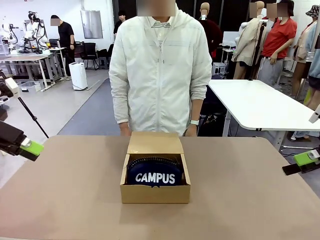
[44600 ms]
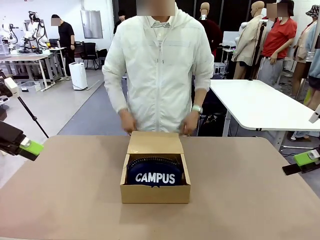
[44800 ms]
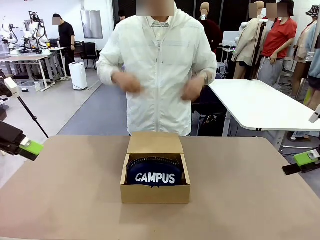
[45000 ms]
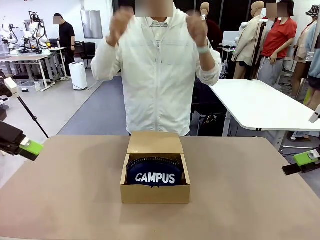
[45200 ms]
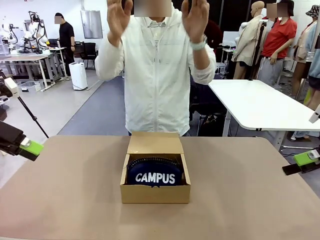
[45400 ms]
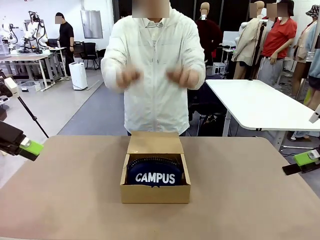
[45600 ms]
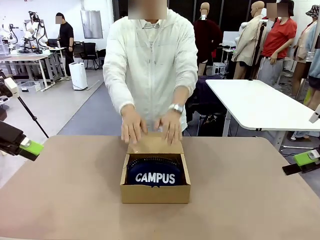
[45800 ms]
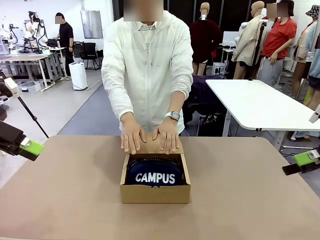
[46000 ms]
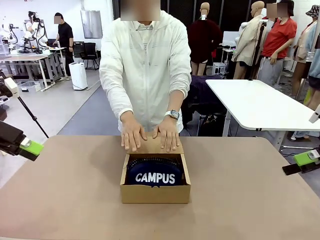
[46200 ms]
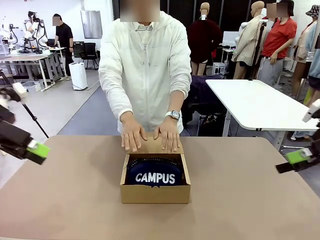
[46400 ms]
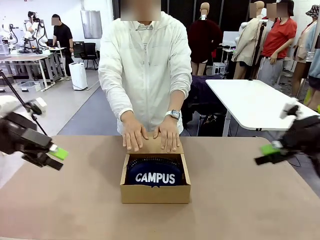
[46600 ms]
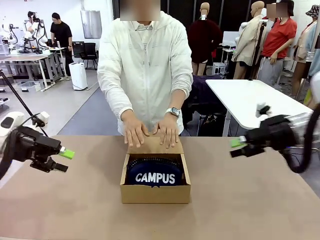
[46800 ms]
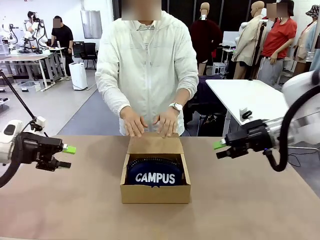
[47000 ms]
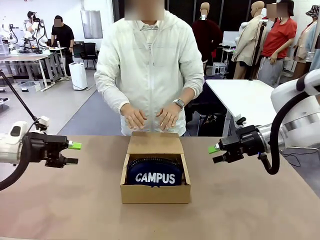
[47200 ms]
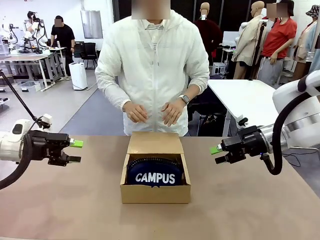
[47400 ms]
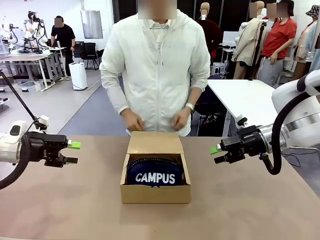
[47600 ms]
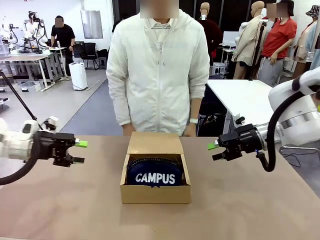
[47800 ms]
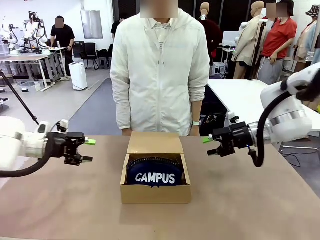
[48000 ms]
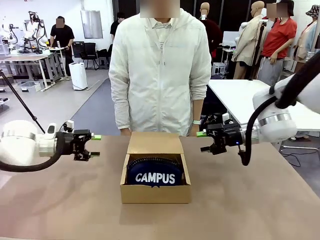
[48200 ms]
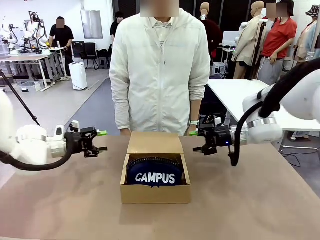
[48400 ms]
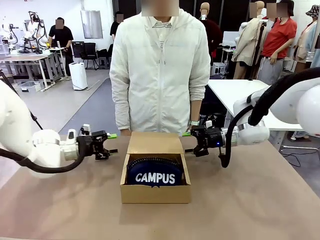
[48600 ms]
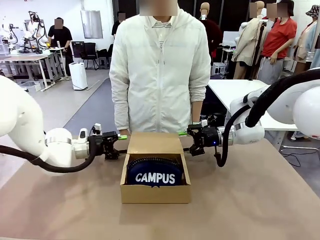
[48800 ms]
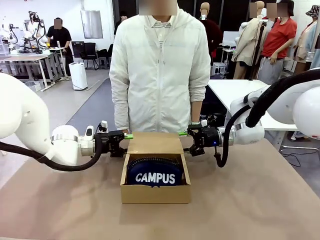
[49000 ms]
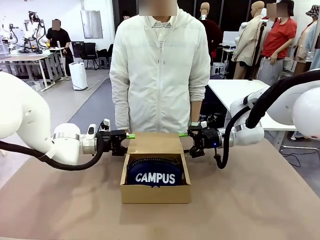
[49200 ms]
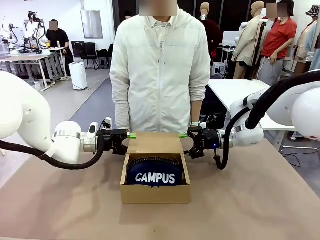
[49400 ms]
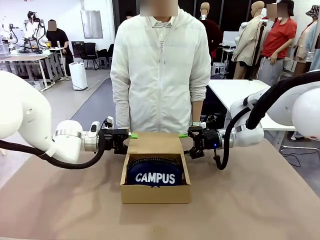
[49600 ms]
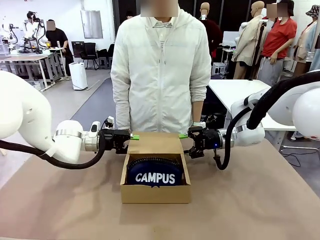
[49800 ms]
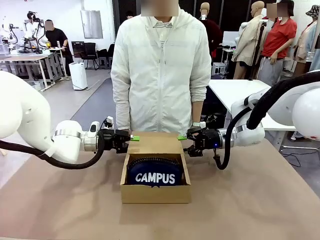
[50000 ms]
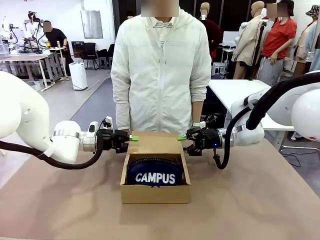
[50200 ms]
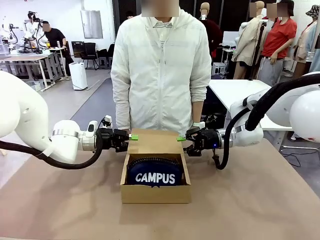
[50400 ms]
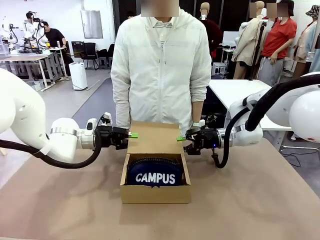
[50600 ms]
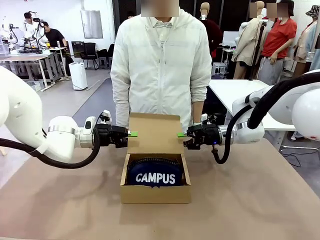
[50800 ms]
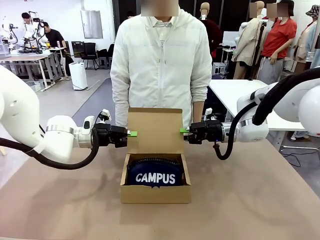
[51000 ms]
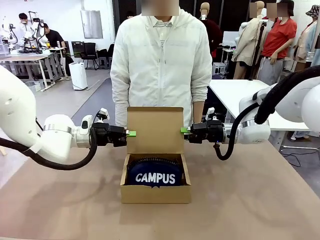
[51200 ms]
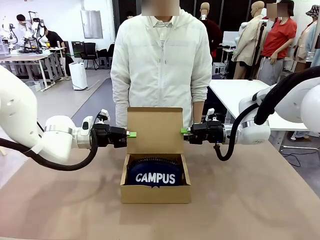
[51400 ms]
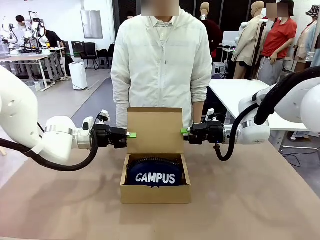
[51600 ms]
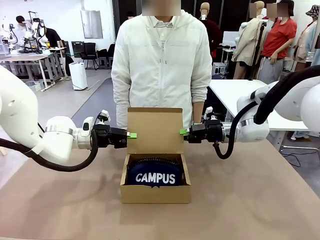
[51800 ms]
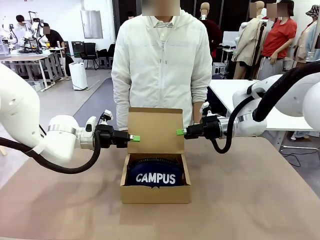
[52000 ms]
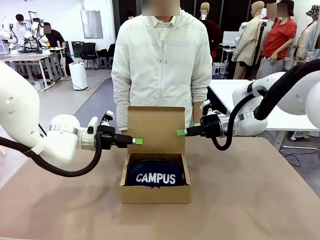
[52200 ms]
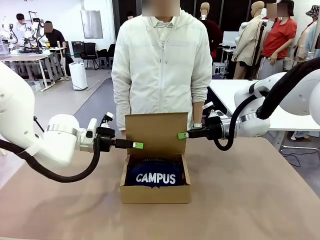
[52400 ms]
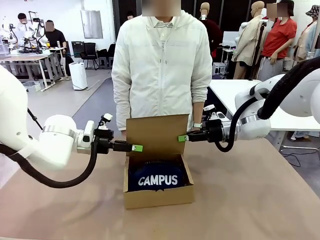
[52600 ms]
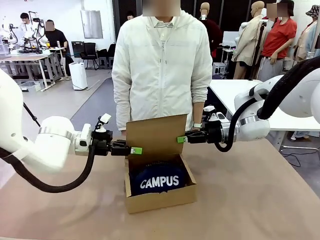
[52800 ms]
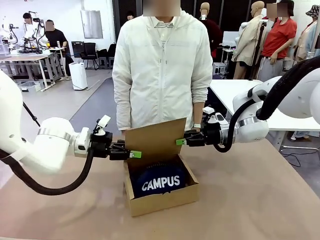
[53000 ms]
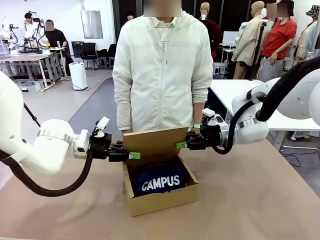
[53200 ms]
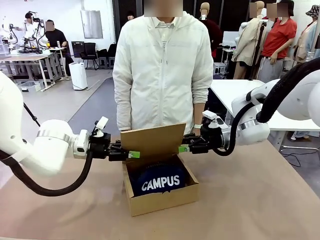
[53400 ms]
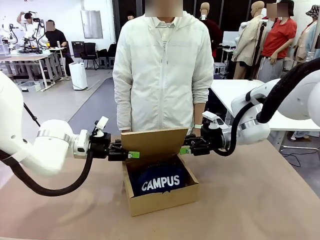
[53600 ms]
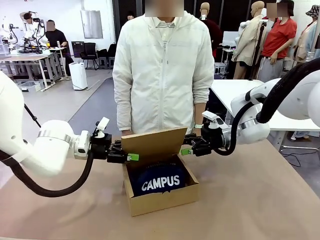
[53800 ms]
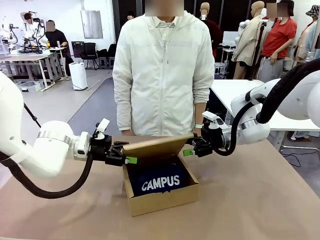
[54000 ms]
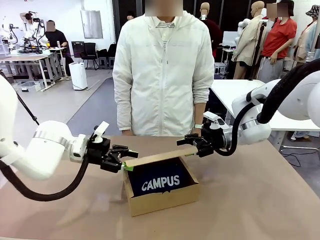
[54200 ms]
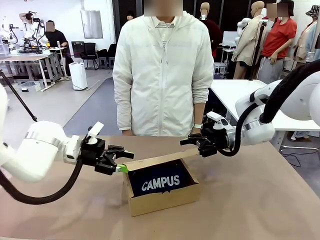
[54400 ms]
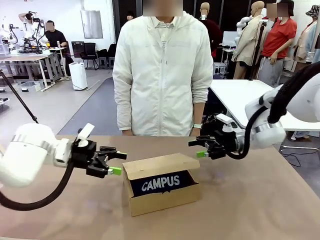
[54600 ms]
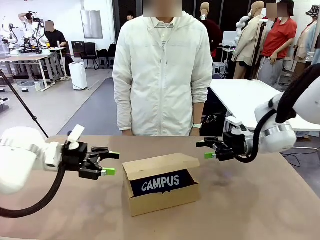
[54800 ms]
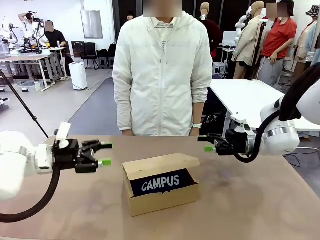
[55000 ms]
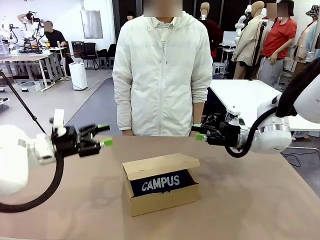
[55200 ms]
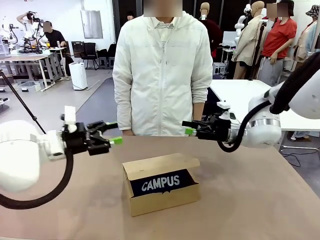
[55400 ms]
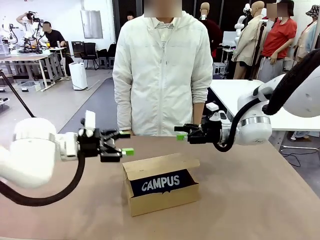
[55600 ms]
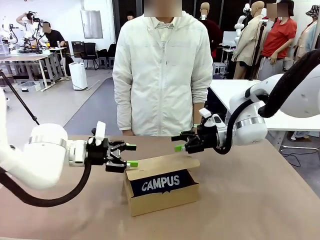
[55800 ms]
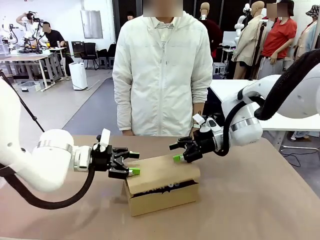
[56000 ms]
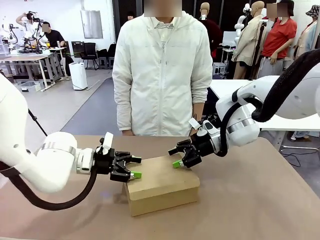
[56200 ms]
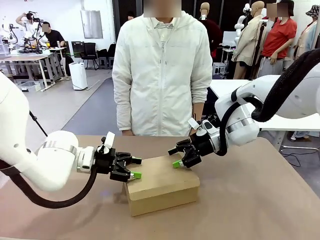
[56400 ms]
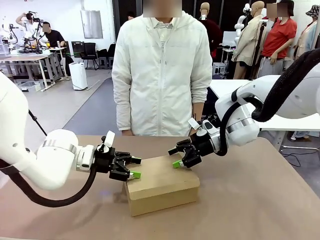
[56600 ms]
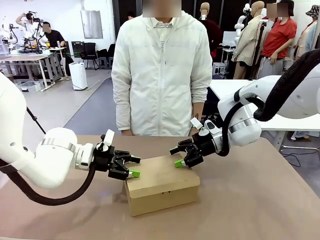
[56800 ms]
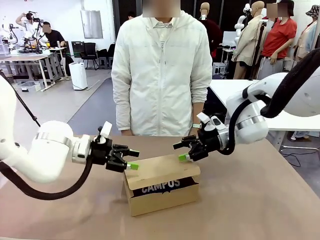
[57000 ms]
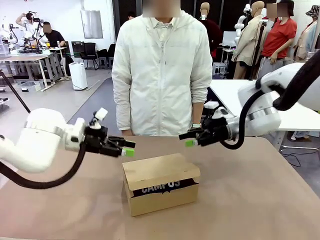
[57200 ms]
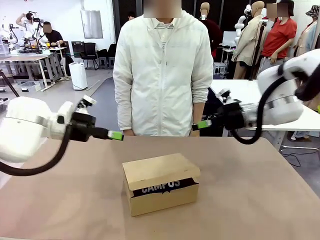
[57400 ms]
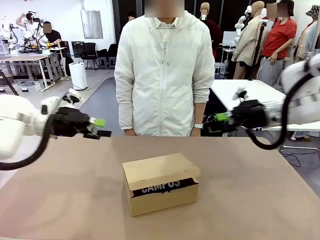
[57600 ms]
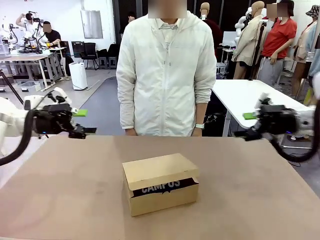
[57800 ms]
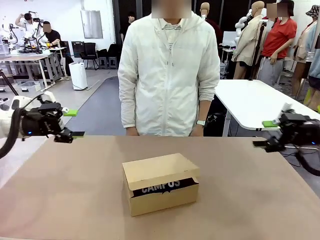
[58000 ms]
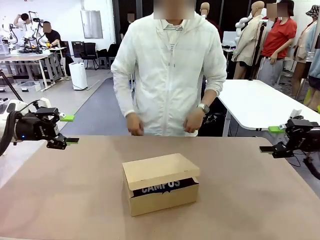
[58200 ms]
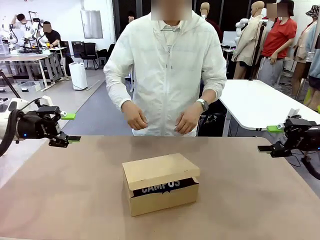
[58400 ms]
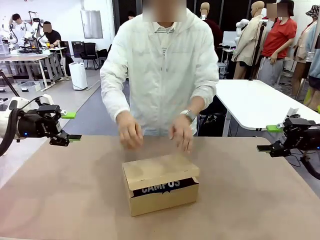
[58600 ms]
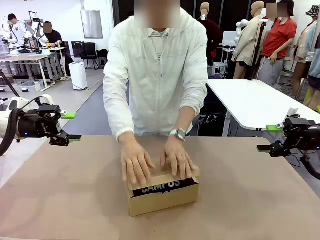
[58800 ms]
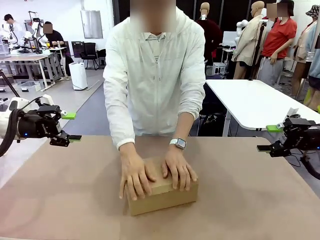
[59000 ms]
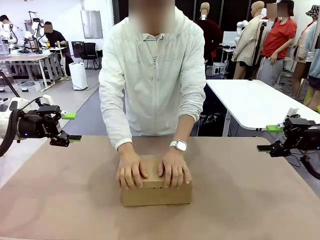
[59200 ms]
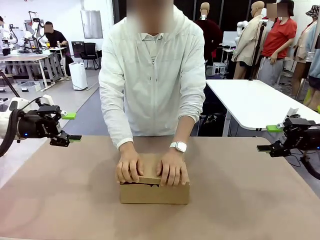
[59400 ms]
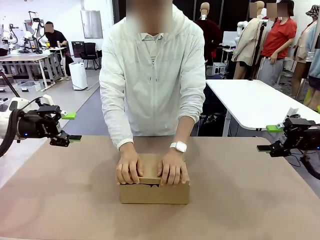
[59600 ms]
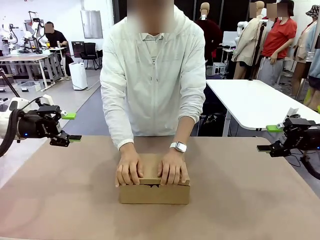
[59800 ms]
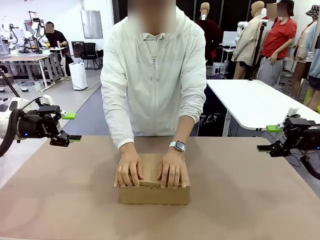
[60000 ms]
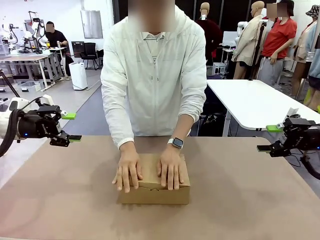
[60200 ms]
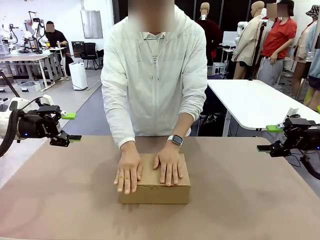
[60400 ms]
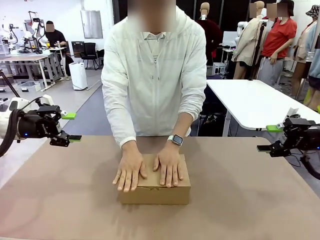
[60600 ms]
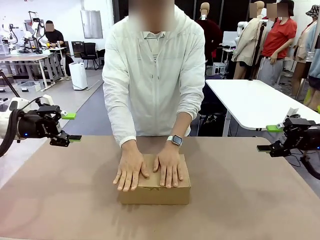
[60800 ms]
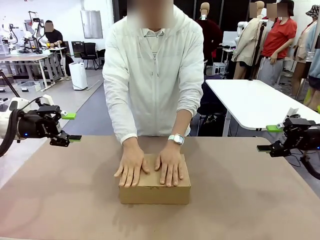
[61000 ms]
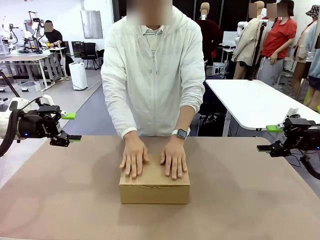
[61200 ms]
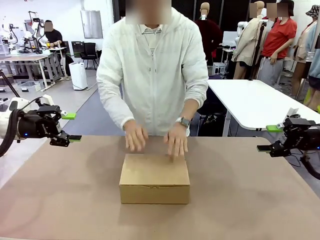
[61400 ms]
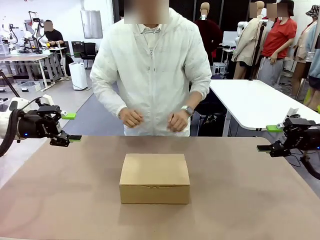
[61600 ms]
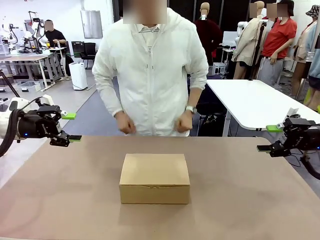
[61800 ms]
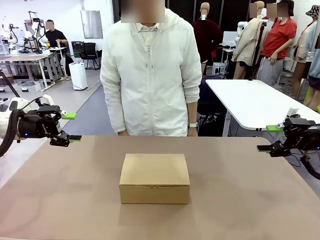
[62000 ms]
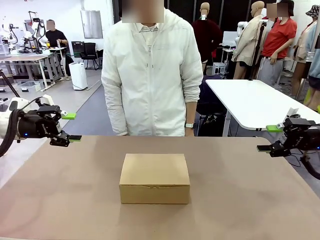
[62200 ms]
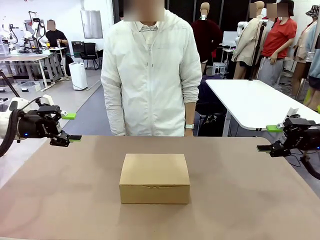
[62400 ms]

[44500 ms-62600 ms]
Task: Pack the items into the box.
Robot: Close the Mailer Box.
Person: Turn the box and lock it.
